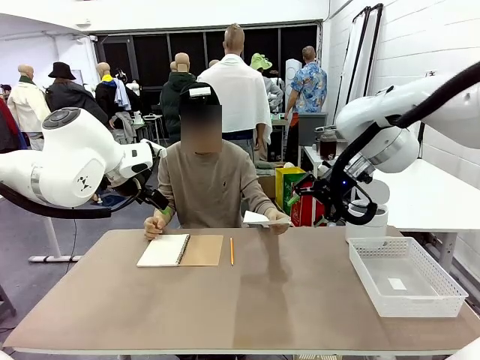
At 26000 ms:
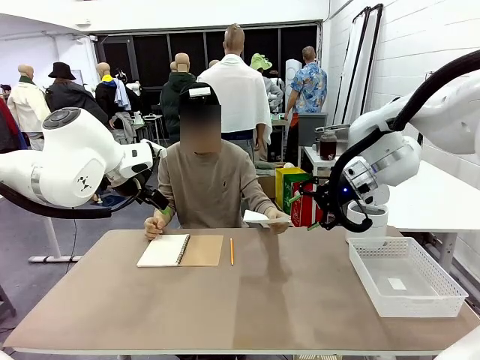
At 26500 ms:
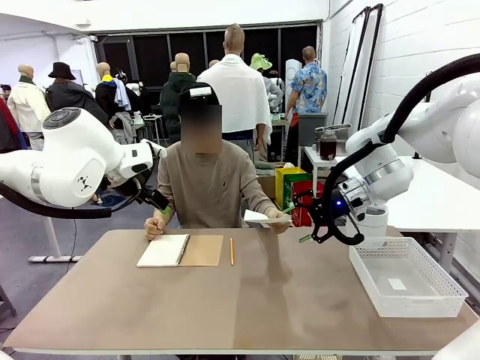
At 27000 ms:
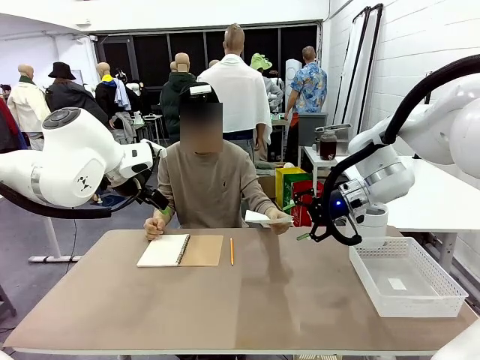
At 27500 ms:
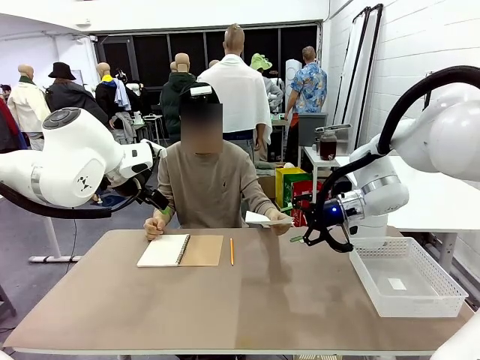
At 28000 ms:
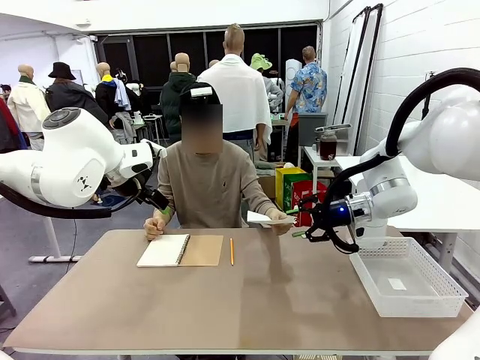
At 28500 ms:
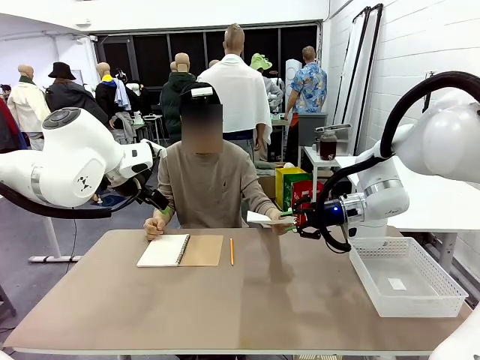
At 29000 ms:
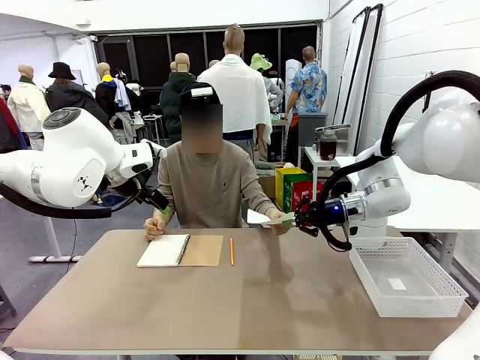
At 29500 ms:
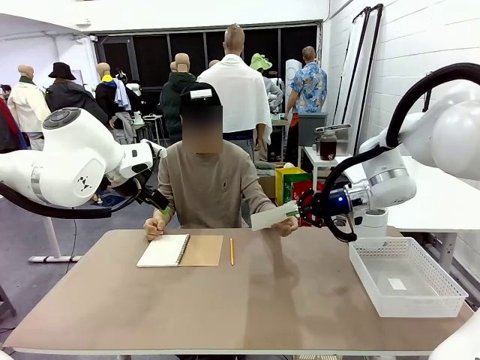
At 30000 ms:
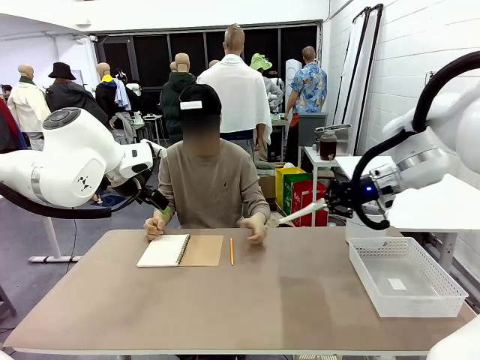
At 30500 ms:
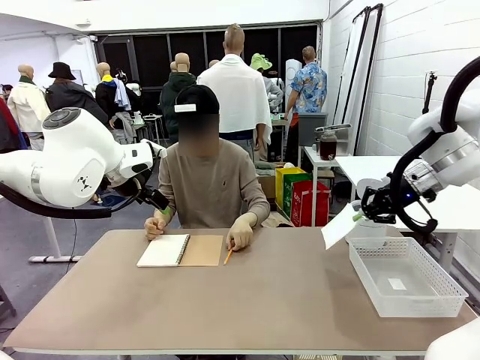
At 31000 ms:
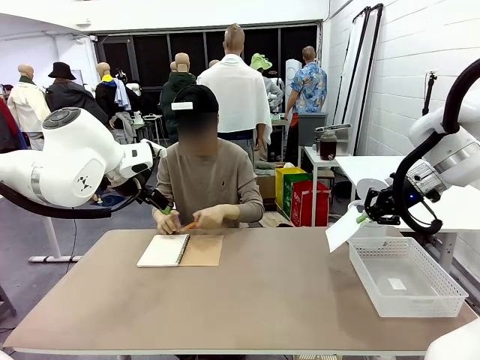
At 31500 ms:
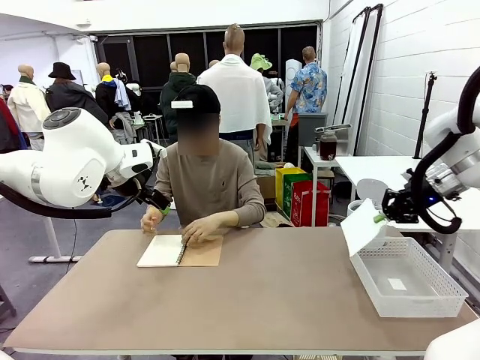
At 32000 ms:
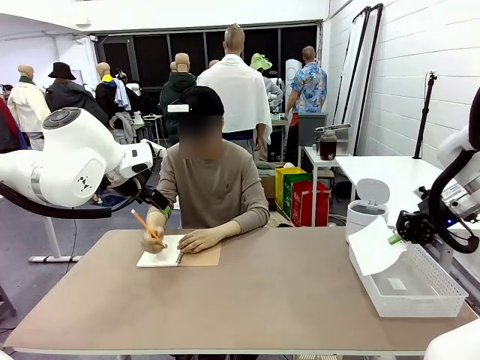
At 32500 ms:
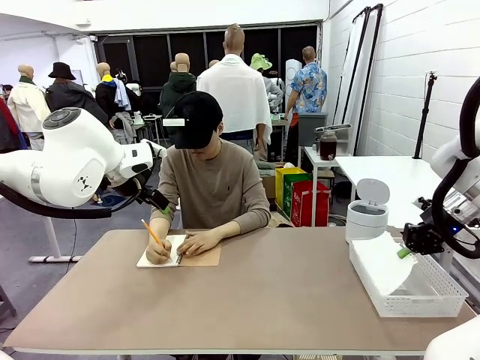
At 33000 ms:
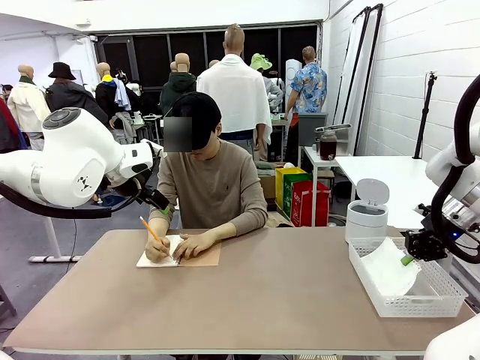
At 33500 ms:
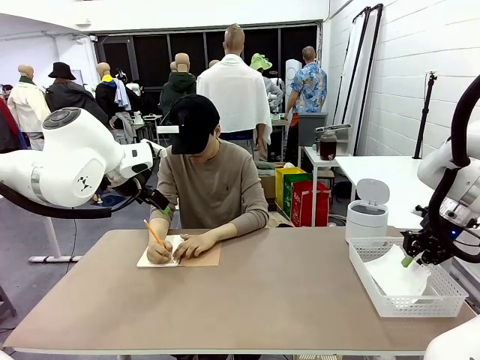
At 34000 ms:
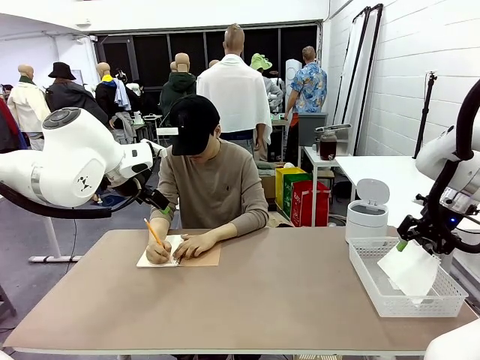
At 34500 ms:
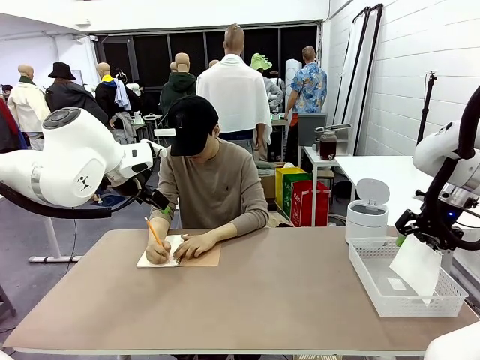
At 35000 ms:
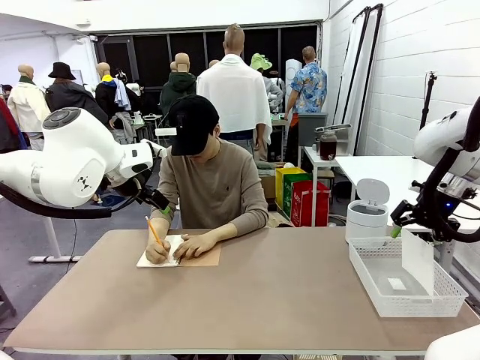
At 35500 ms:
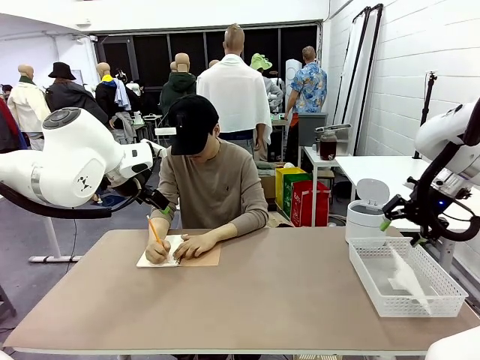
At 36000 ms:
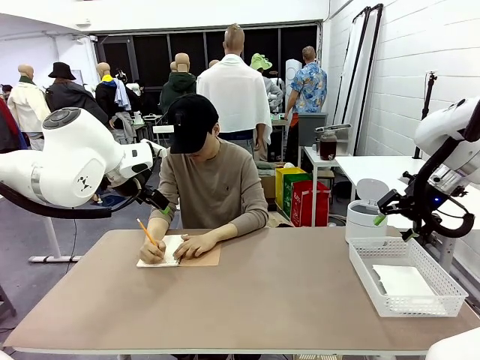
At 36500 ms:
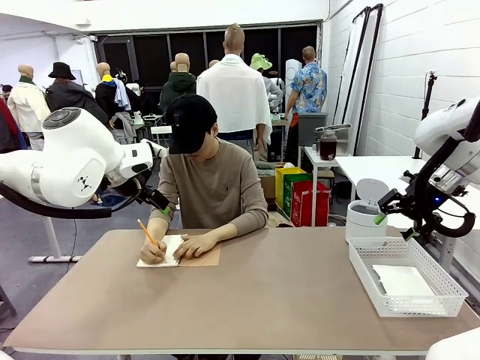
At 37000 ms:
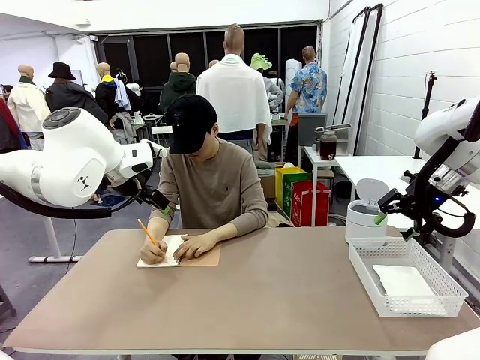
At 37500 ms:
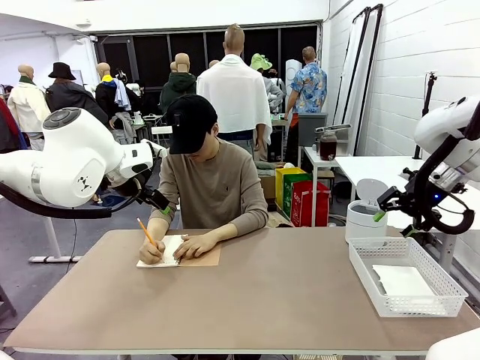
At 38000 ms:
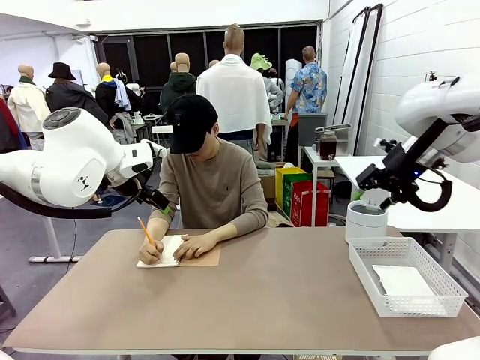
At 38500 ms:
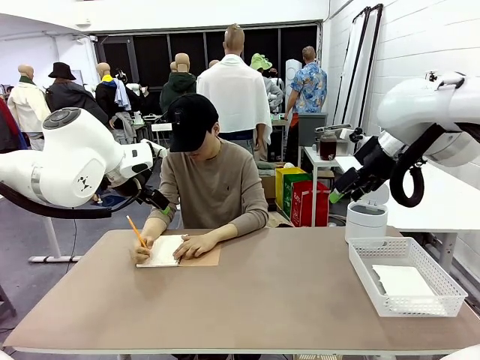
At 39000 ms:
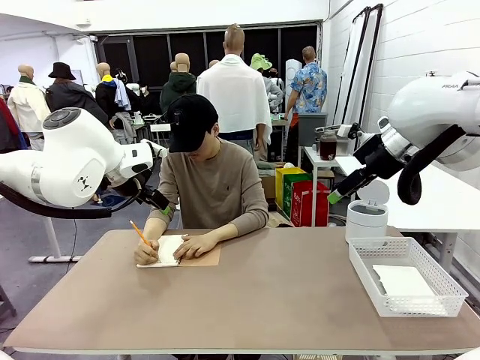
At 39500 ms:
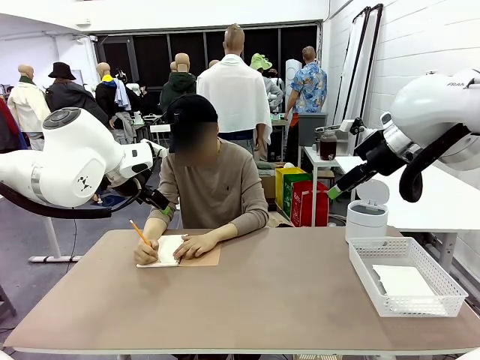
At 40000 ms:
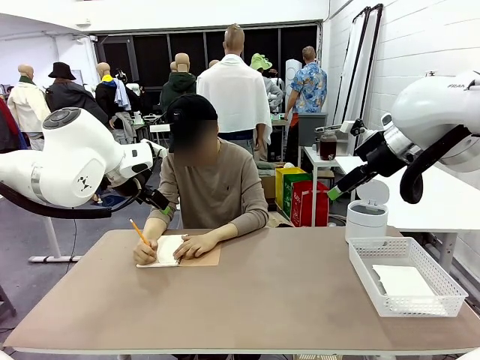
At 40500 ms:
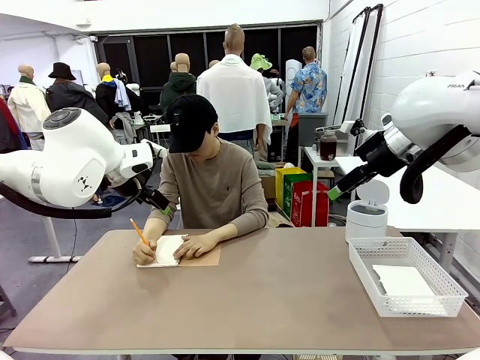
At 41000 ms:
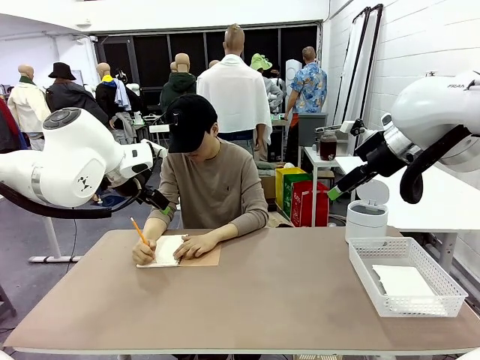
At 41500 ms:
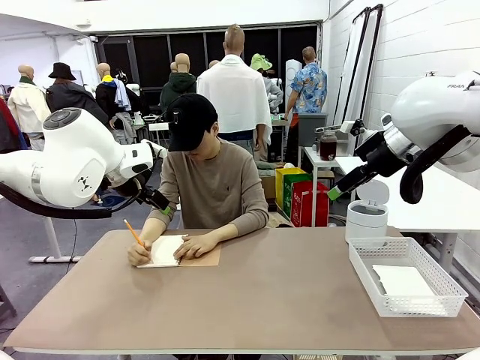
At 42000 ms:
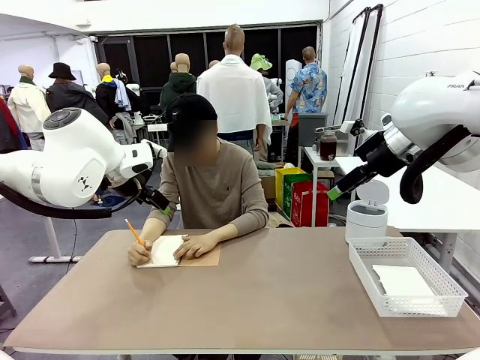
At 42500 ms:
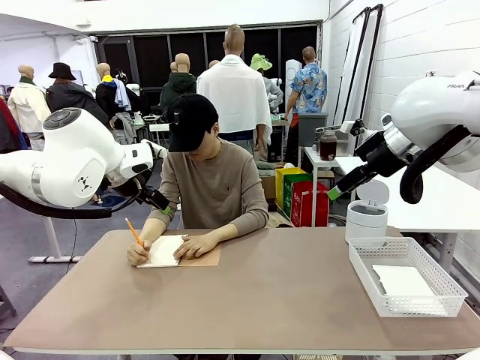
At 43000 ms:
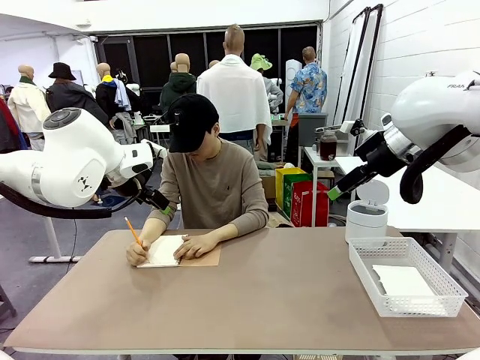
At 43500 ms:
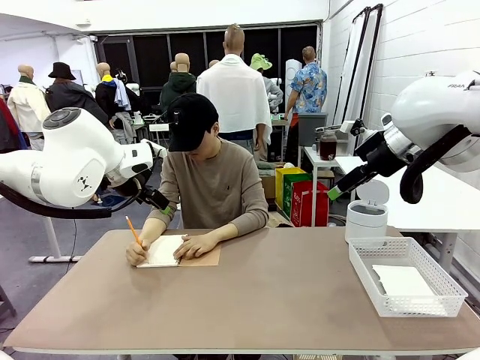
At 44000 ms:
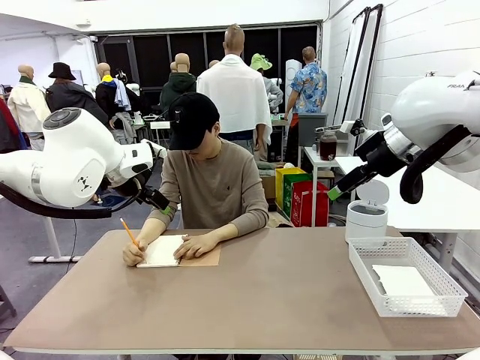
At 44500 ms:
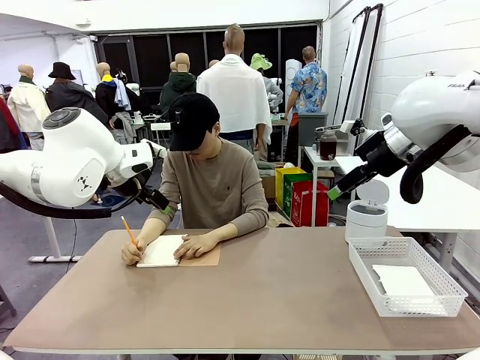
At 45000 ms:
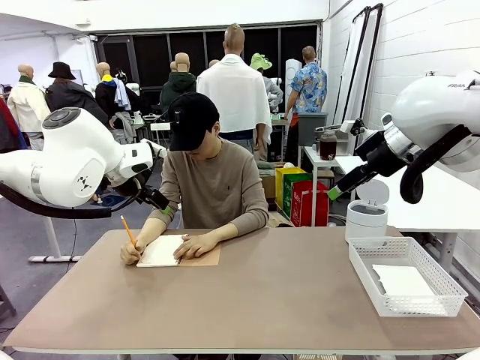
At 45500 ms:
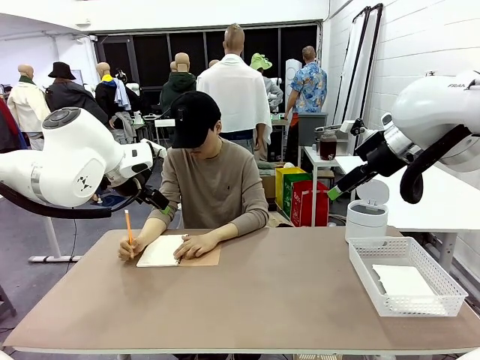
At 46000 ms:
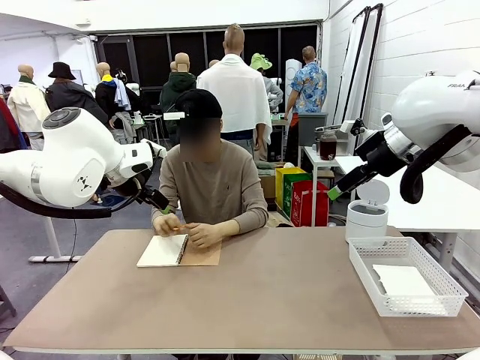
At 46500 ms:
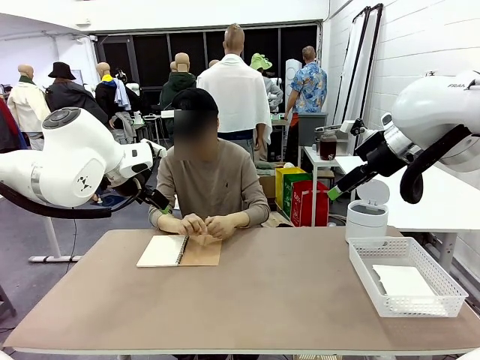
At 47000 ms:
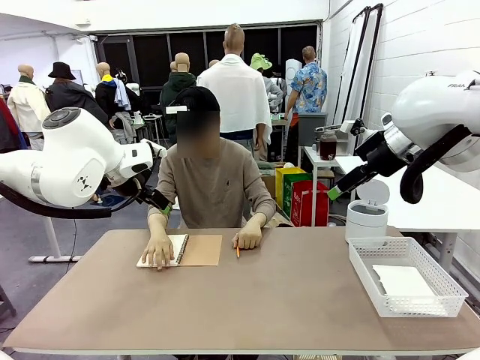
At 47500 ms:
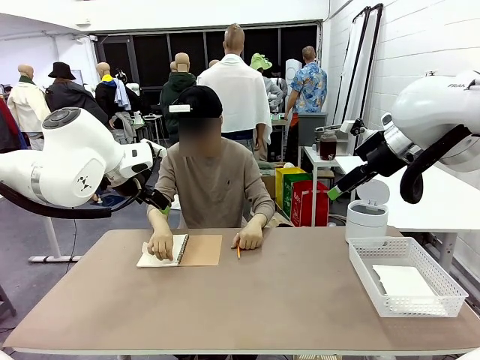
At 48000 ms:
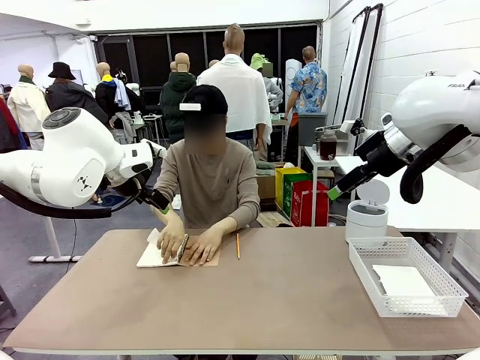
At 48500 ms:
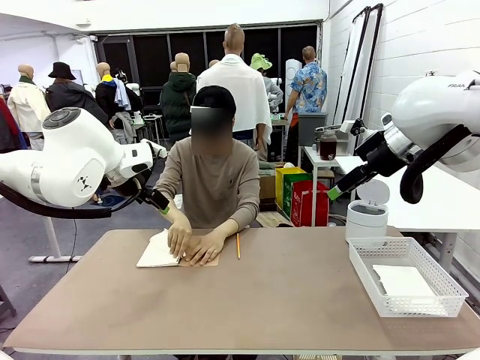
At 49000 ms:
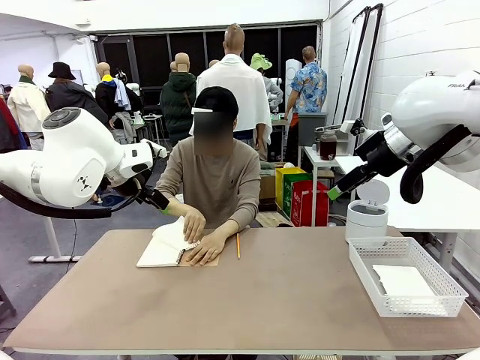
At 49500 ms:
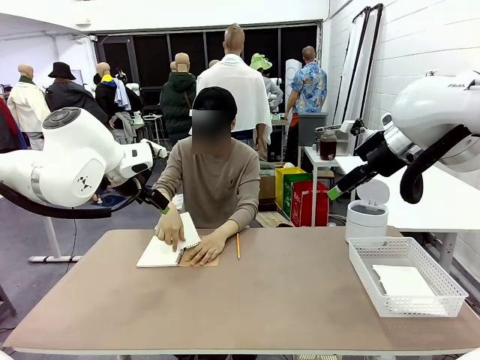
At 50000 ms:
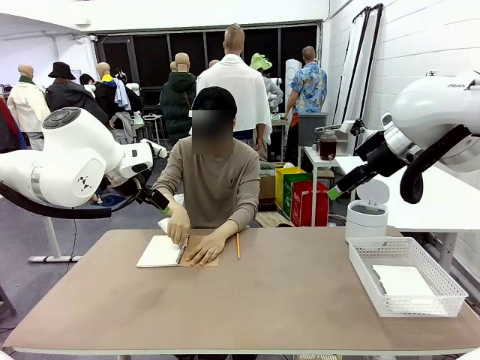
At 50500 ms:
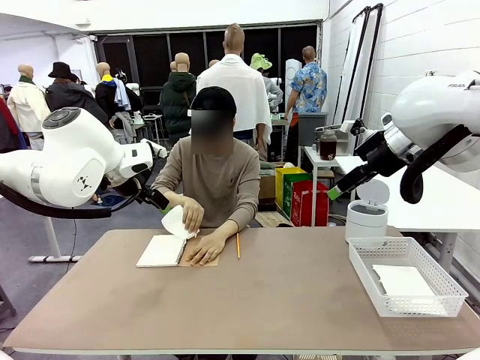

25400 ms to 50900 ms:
Task: Sort the paper based on its condition.
Robot: If a person hands you a paper, place it in the Organizing basket , and if it's crumpled, put it in the Trash can.
Person: Tear out a page from the spiral notebook.
